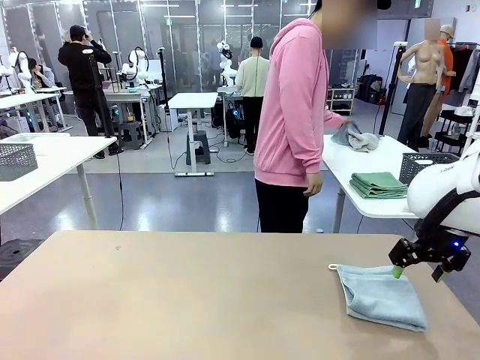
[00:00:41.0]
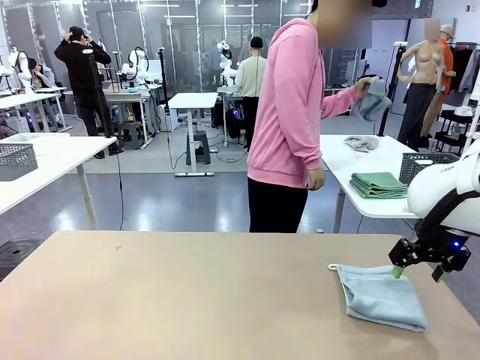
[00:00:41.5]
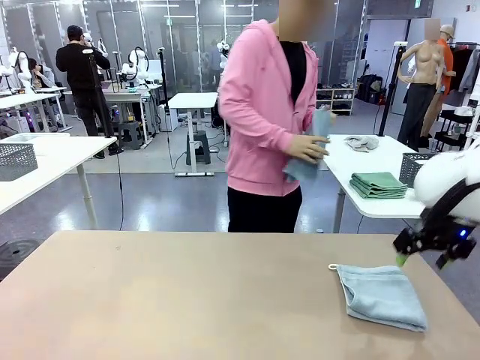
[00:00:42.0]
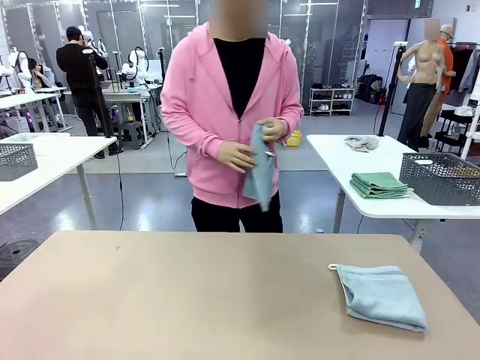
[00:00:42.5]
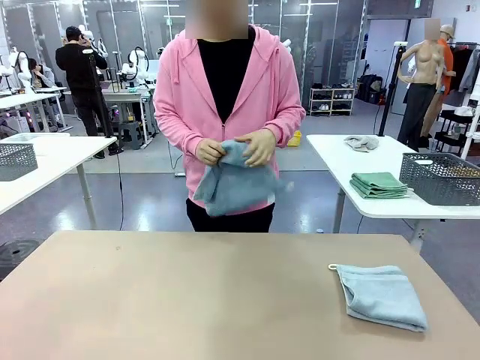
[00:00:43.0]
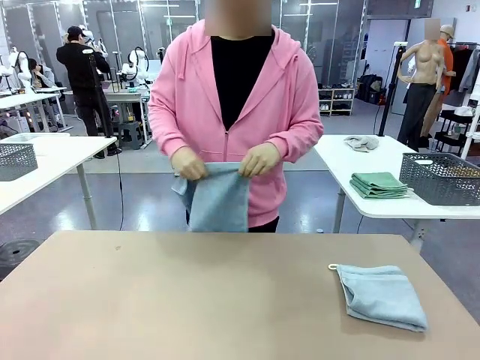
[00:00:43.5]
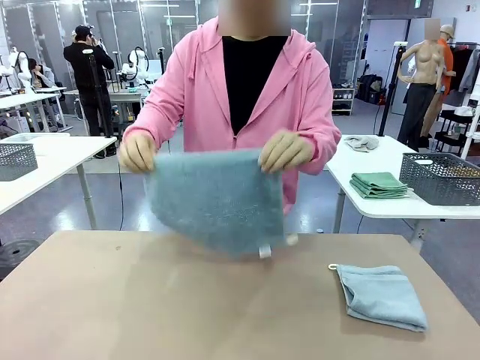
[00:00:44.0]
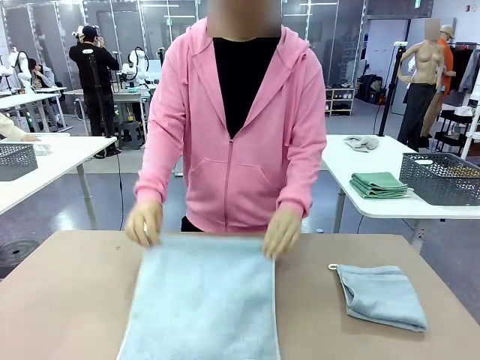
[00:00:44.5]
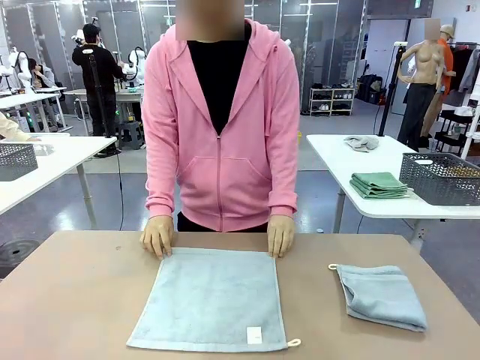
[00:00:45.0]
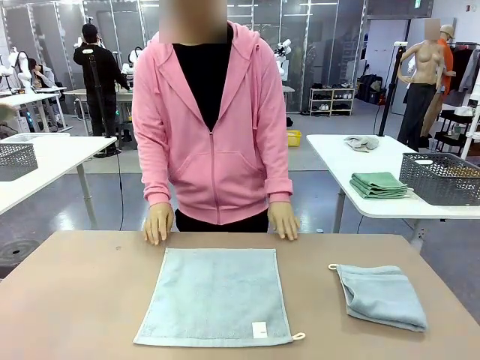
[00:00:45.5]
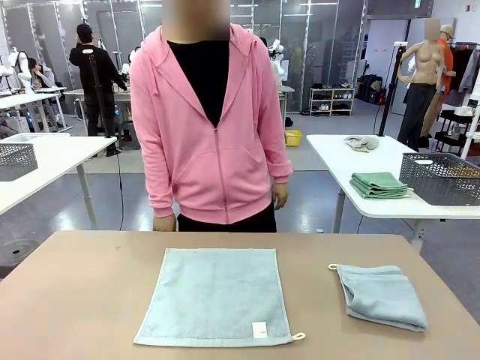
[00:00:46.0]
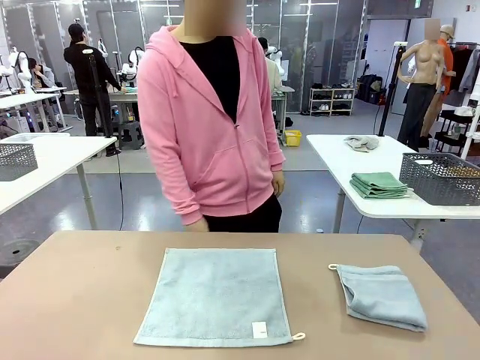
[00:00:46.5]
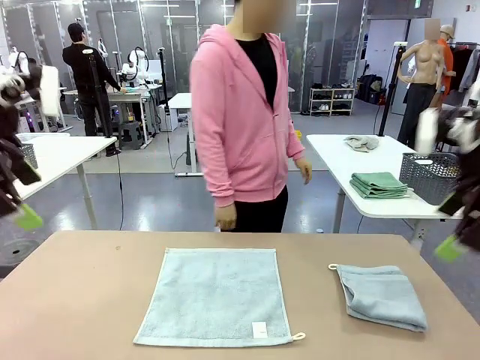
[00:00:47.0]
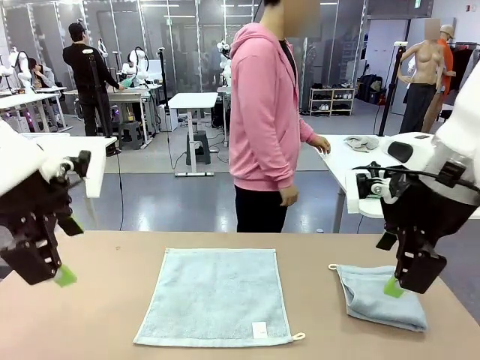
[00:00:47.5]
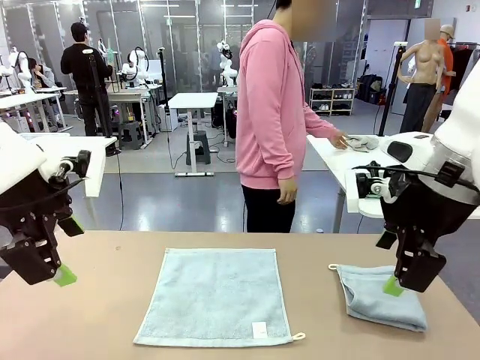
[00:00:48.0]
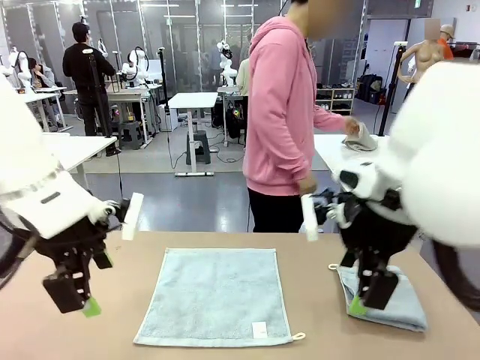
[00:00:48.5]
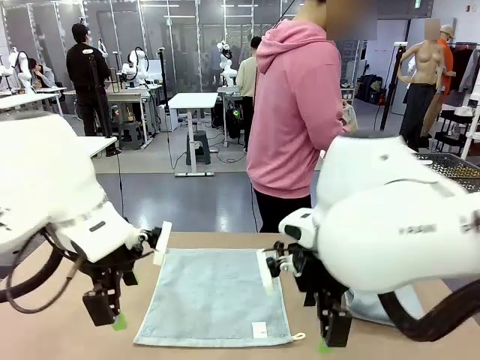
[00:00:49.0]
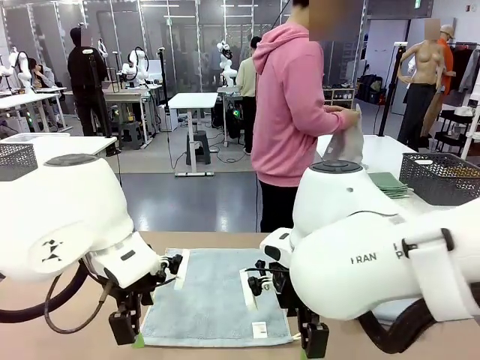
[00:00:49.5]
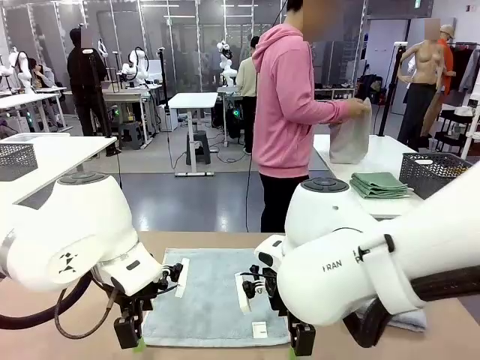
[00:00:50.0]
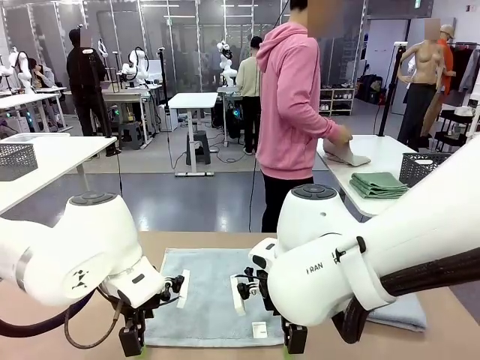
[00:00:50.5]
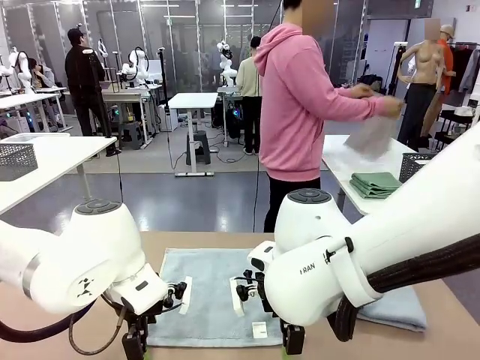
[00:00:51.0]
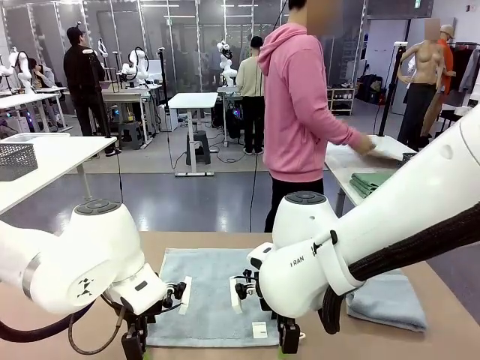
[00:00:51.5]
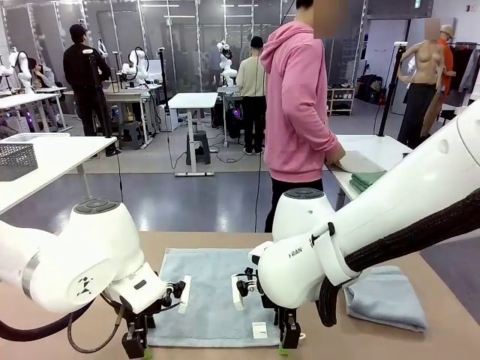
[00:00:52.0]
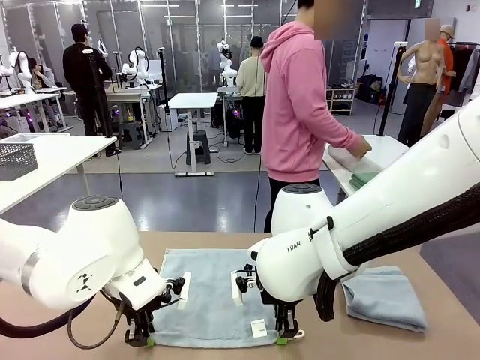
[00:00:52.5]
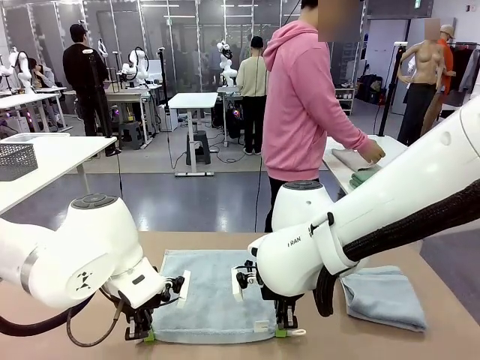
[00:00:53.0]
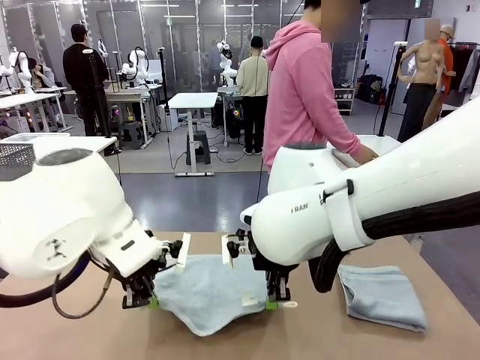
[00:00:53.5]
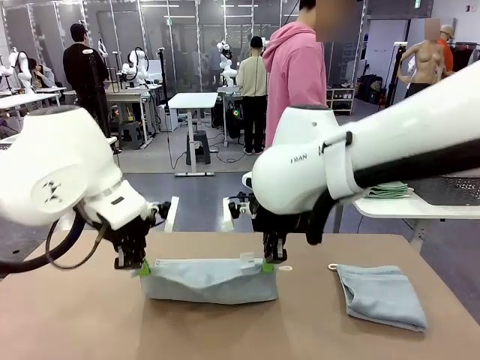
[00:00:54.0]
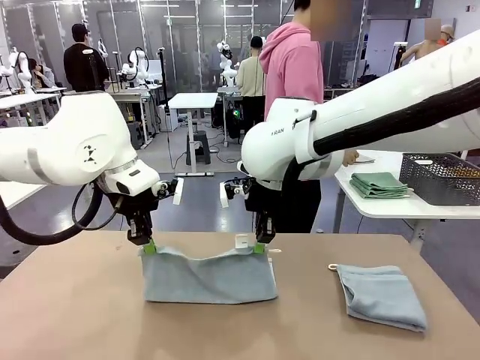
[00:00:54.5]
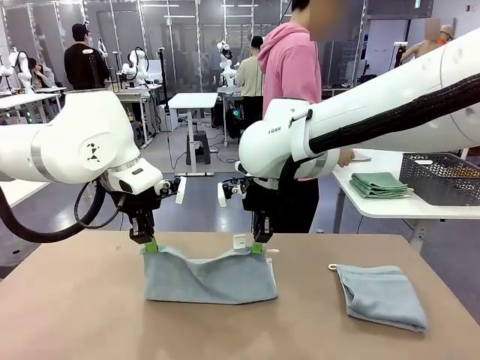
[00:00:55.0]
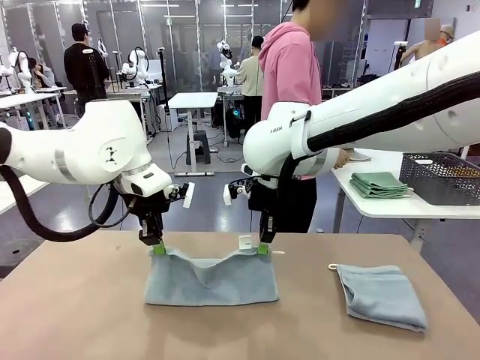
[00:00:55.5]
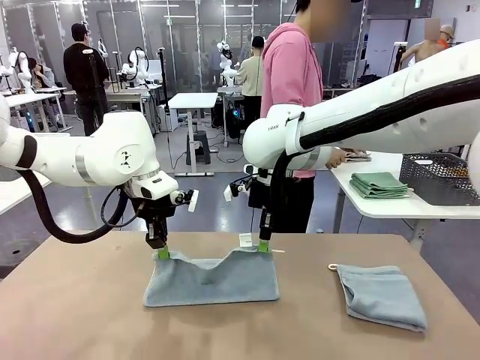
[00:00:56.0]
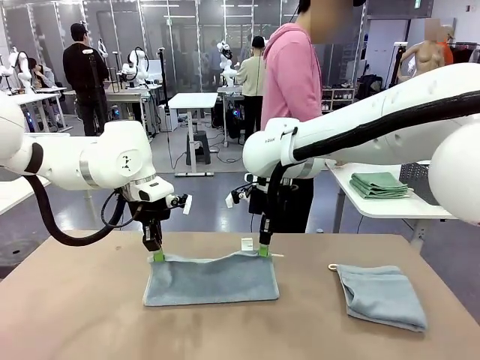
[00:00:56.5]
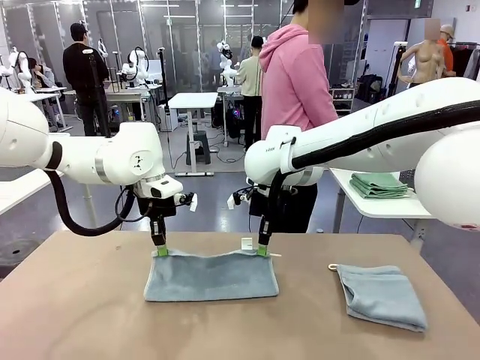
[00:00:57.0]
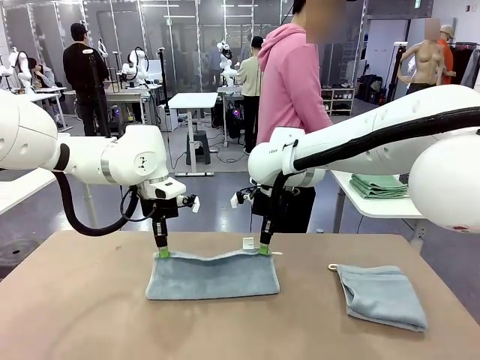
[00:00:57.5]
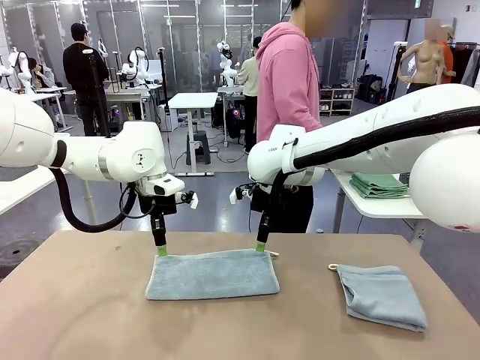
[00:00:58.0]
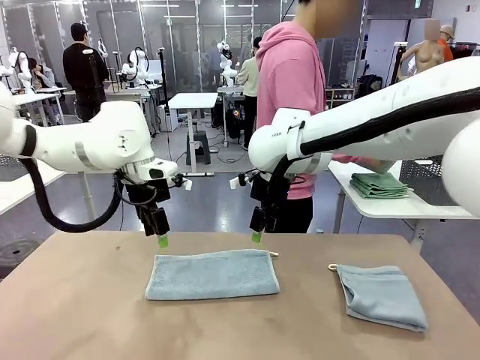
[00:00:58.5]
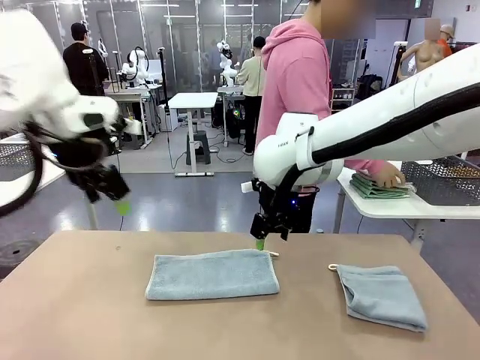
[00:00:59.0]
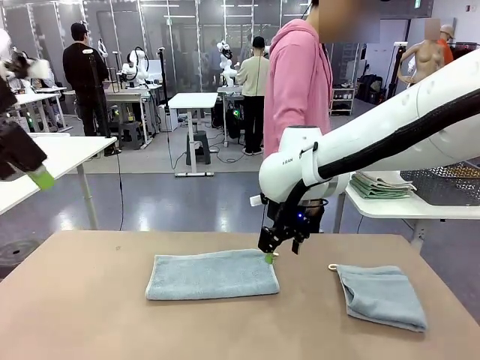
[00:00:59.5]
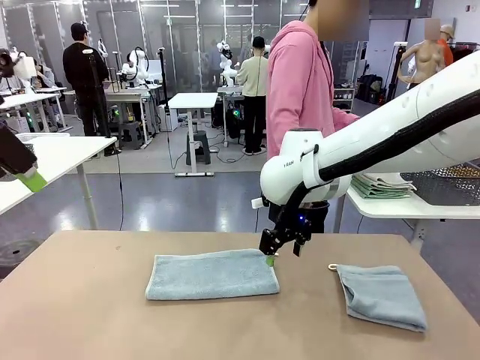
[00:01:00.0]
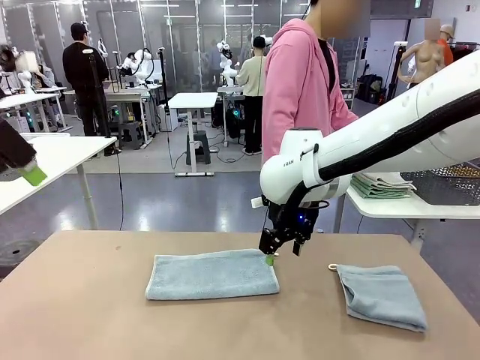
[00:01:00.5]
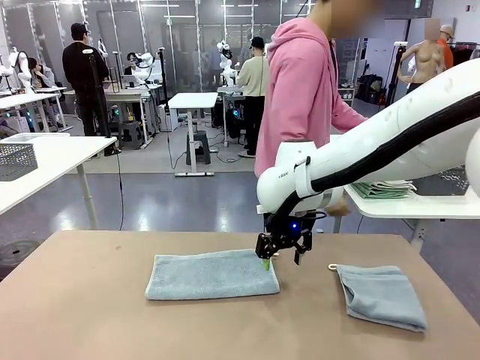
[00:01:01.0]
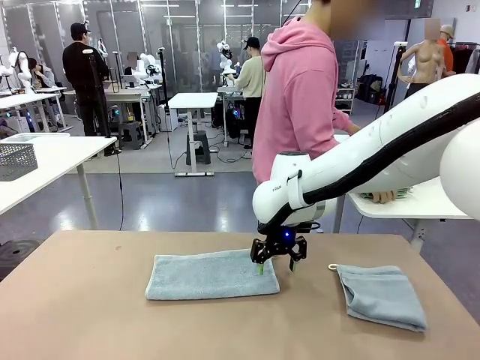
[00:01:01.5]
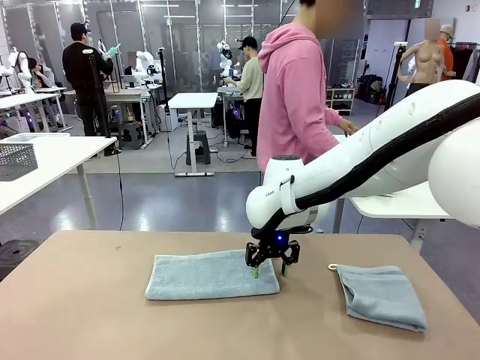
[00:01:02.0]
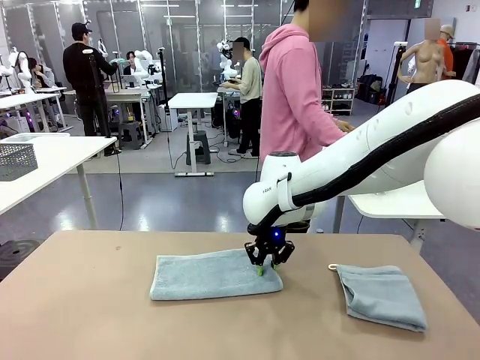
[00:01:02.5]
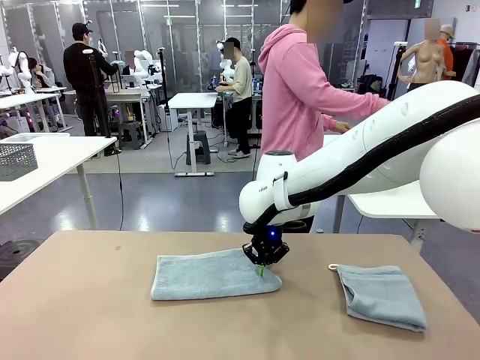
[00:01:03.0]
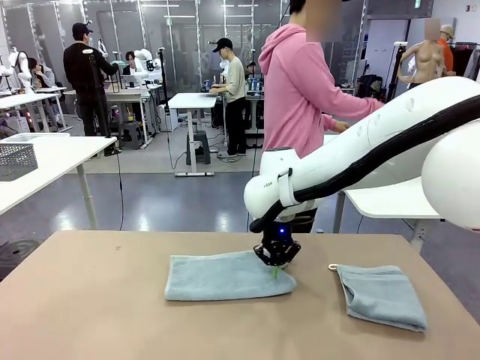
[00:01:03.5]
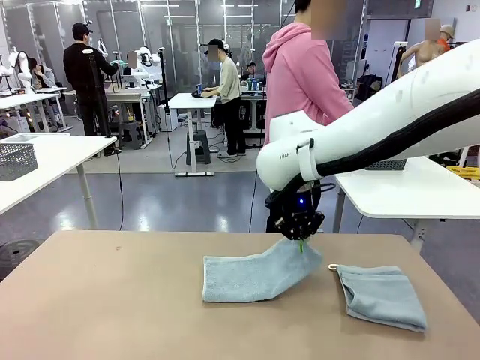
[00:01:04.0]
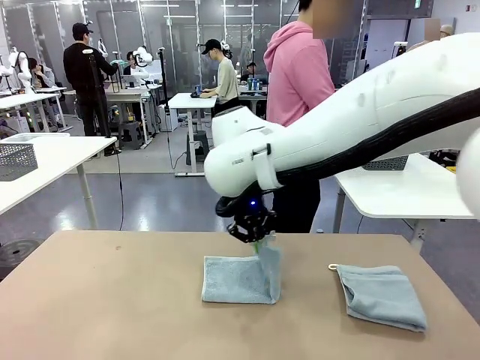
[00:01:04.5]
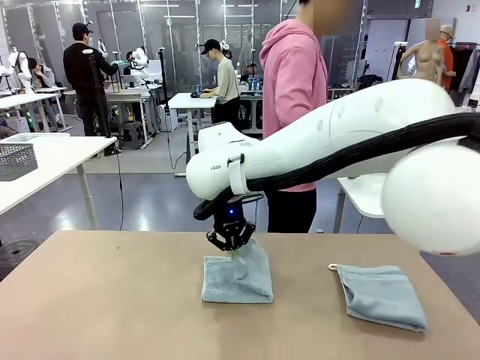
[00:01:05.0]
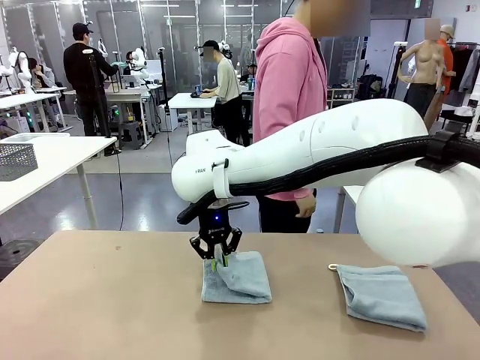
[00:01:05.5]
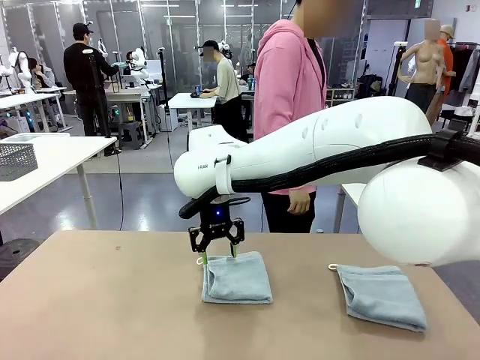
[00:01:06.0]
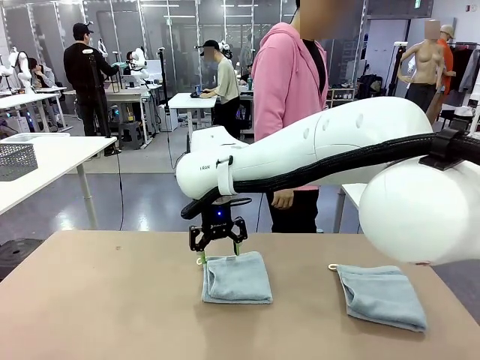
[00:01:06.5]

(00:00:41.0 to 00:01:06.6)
Task: Fold the towels and place them in the basket.
Robot: When a person lays out a Towel with hook on the table, fold it in half twice.
Person: Pick up one towel from the left side of the human table and spread it out at the center of the robot table. Pick up one towel from the left side of the human table, fold it in half twice, and stack it on the right side of the table. Pick up the stack of towels from the right side of the human table, place it into the basket, and put the basket at the center of the table.
